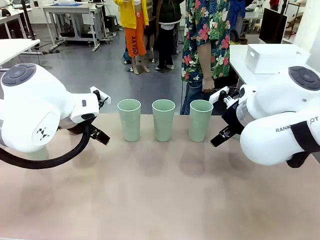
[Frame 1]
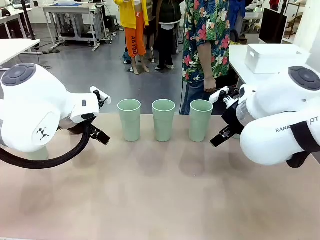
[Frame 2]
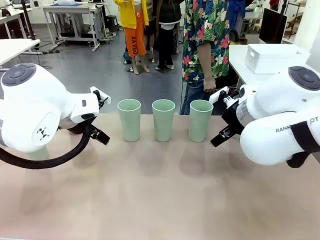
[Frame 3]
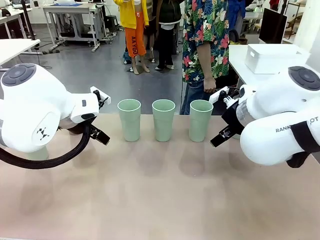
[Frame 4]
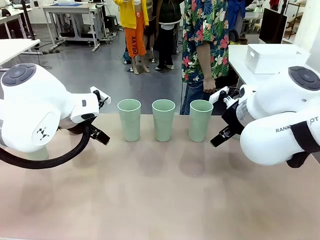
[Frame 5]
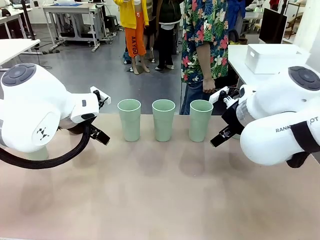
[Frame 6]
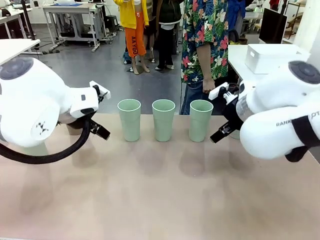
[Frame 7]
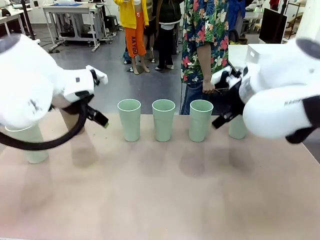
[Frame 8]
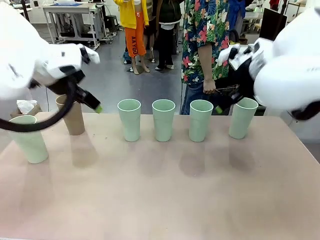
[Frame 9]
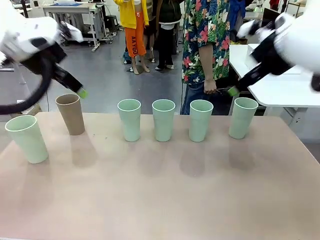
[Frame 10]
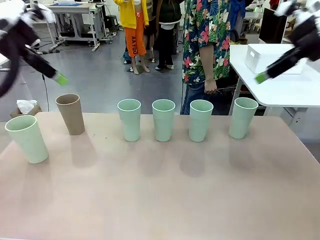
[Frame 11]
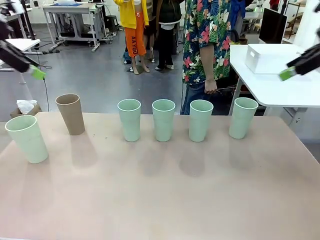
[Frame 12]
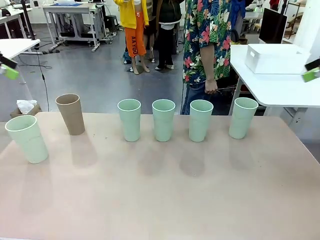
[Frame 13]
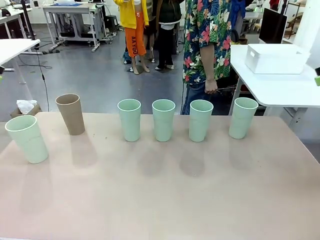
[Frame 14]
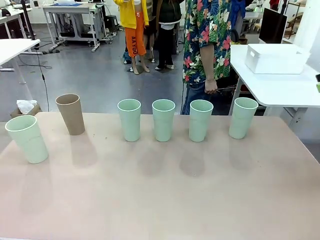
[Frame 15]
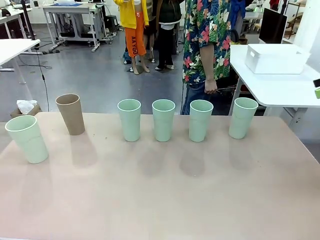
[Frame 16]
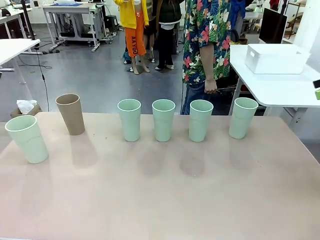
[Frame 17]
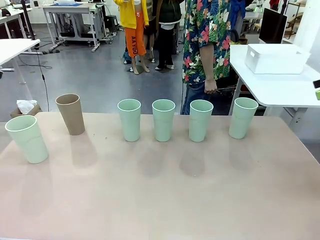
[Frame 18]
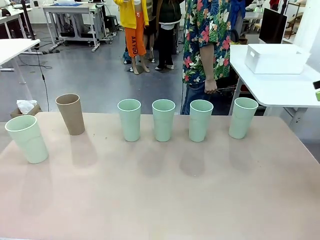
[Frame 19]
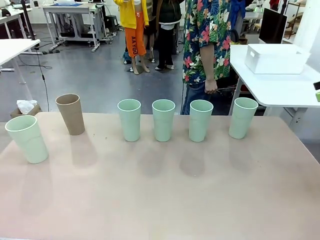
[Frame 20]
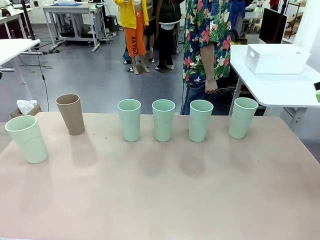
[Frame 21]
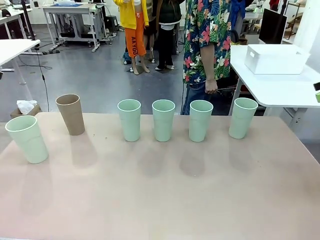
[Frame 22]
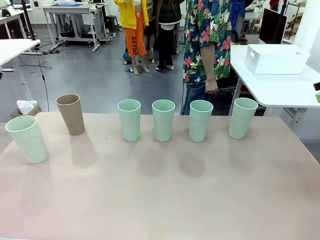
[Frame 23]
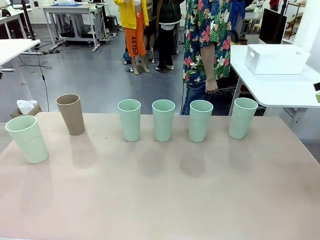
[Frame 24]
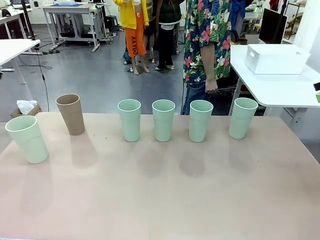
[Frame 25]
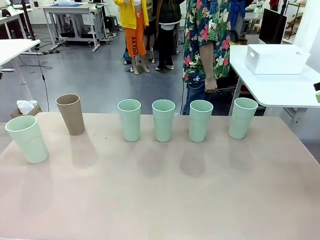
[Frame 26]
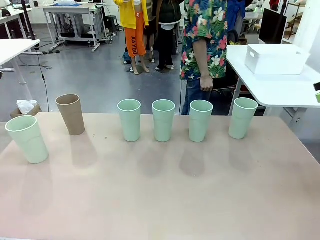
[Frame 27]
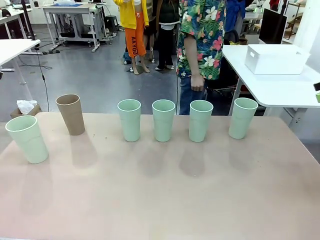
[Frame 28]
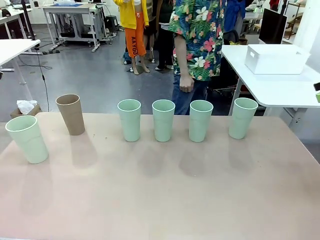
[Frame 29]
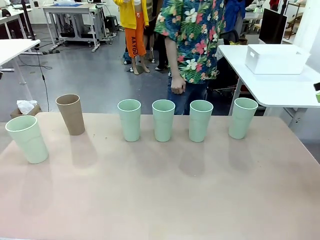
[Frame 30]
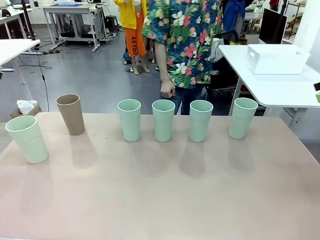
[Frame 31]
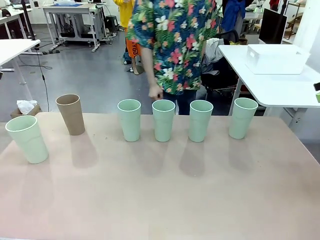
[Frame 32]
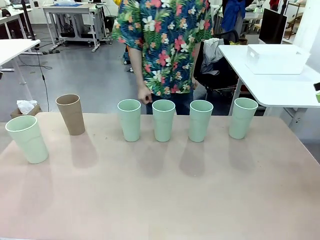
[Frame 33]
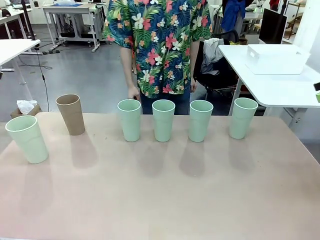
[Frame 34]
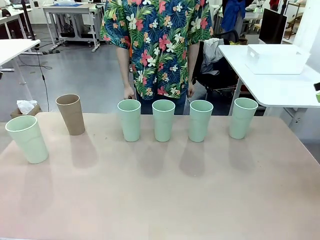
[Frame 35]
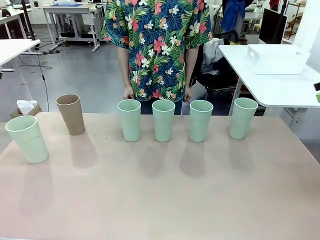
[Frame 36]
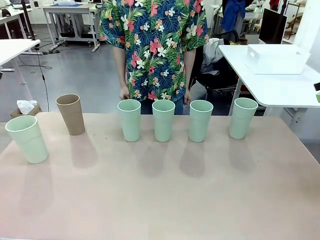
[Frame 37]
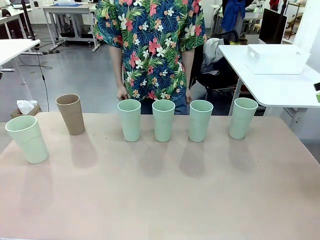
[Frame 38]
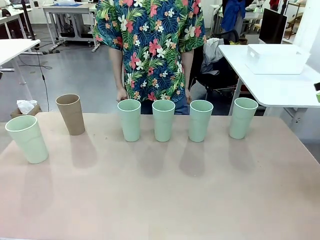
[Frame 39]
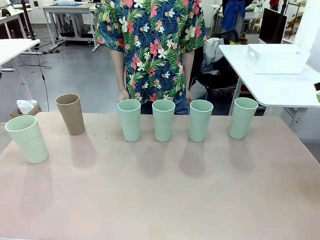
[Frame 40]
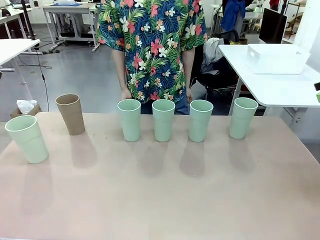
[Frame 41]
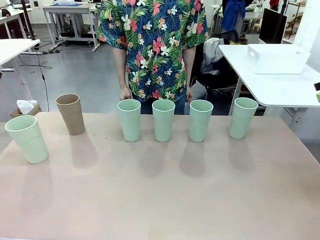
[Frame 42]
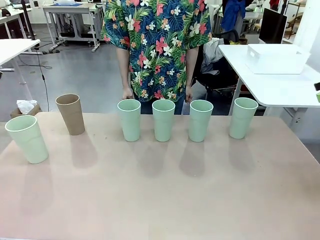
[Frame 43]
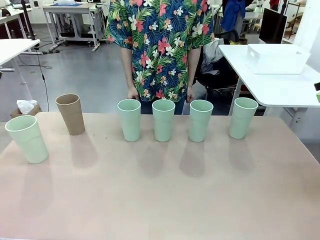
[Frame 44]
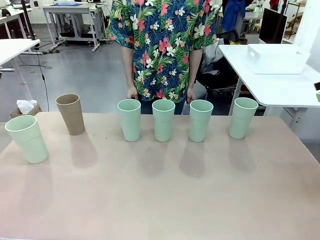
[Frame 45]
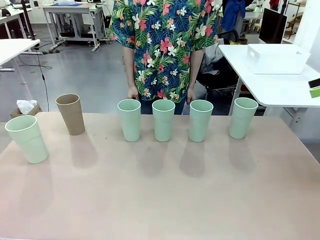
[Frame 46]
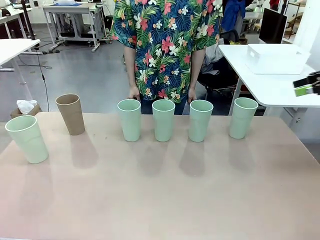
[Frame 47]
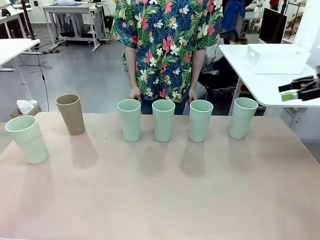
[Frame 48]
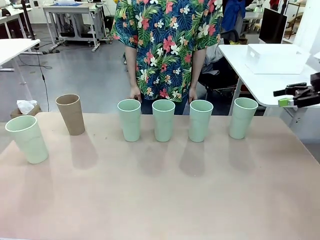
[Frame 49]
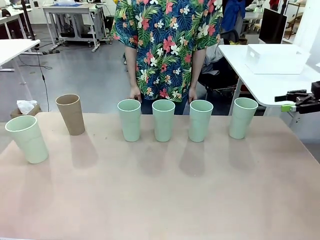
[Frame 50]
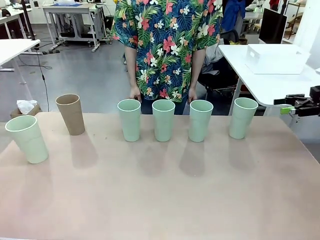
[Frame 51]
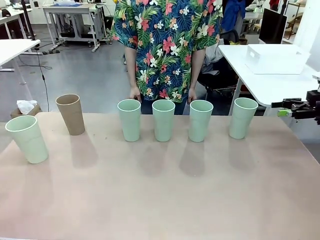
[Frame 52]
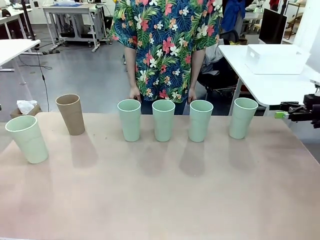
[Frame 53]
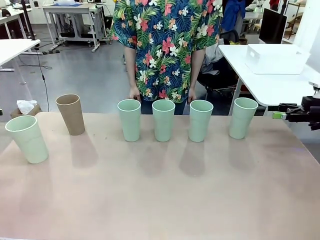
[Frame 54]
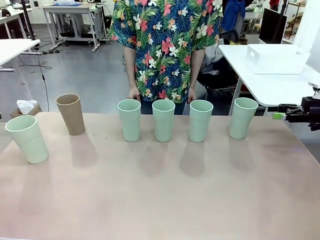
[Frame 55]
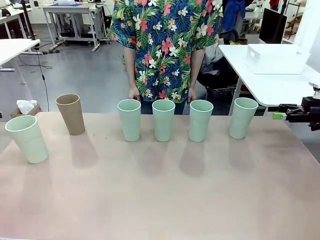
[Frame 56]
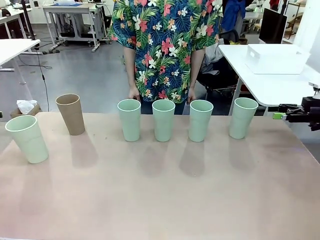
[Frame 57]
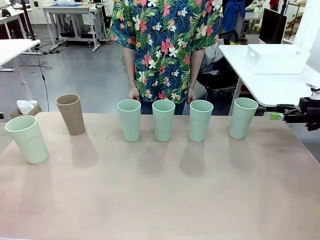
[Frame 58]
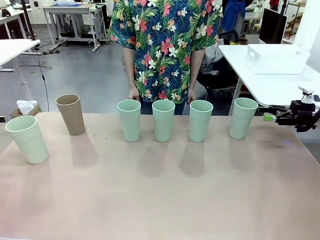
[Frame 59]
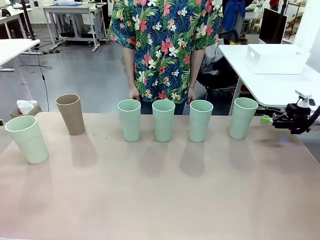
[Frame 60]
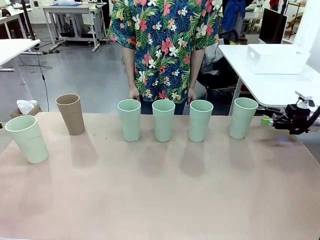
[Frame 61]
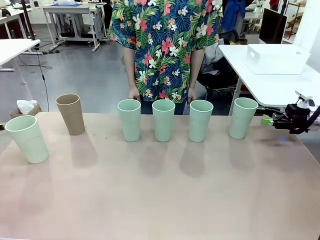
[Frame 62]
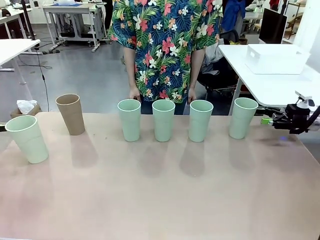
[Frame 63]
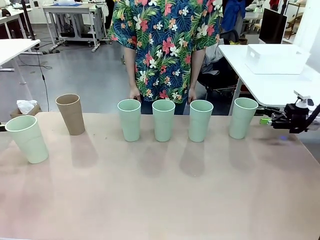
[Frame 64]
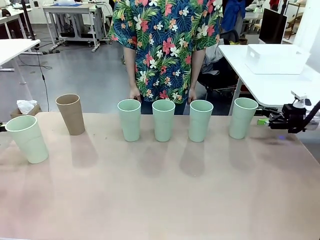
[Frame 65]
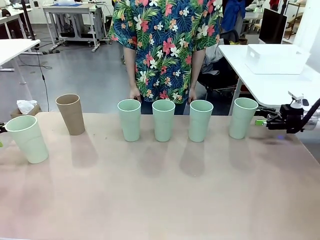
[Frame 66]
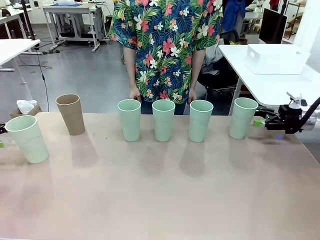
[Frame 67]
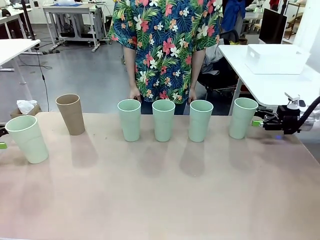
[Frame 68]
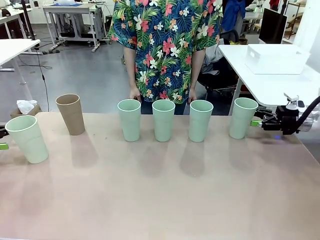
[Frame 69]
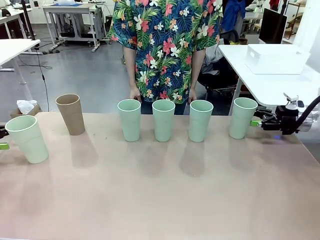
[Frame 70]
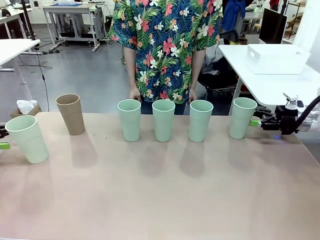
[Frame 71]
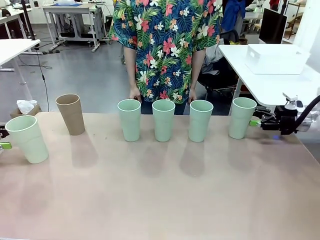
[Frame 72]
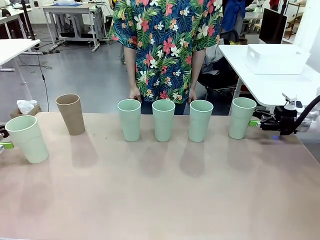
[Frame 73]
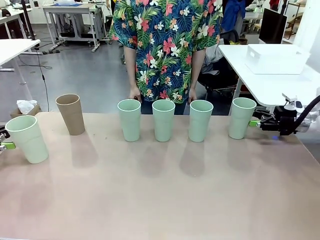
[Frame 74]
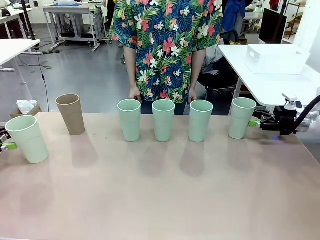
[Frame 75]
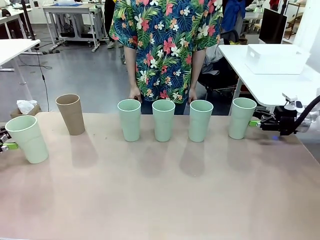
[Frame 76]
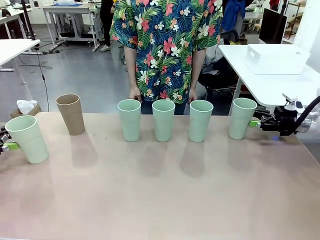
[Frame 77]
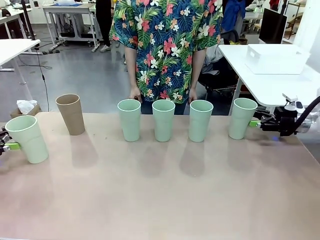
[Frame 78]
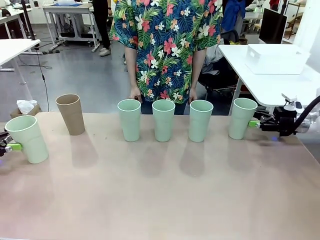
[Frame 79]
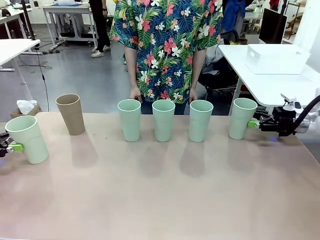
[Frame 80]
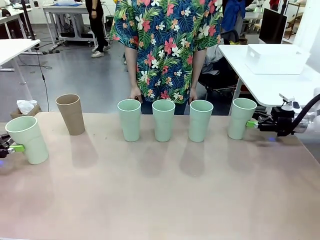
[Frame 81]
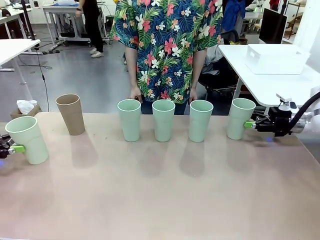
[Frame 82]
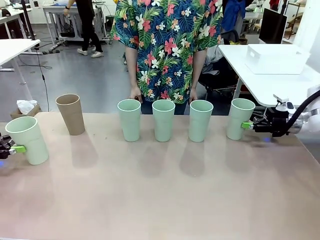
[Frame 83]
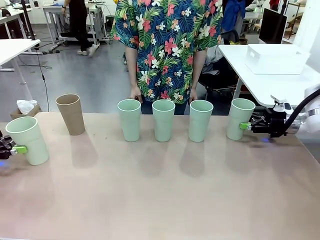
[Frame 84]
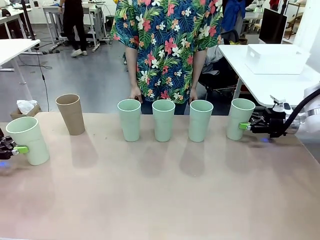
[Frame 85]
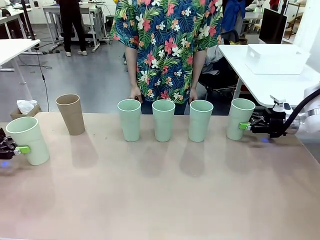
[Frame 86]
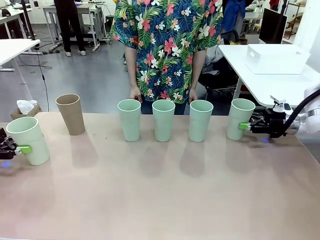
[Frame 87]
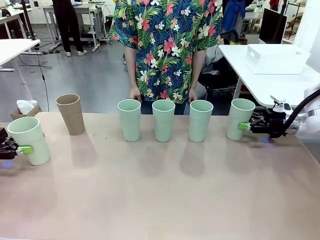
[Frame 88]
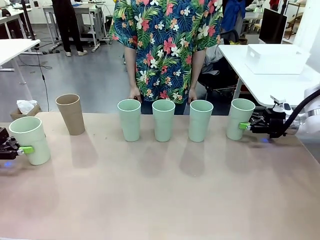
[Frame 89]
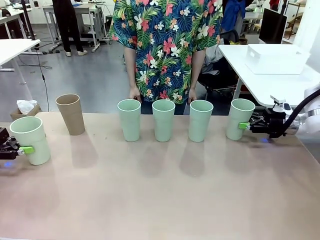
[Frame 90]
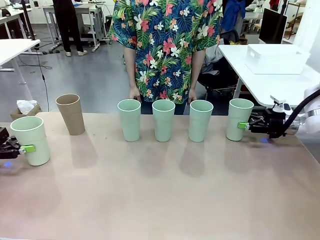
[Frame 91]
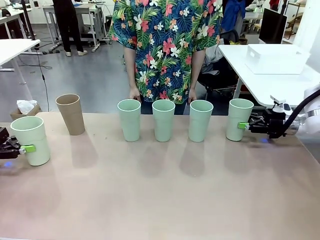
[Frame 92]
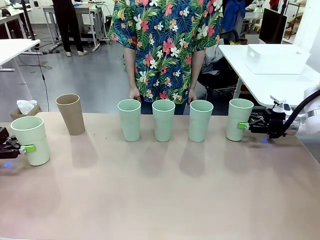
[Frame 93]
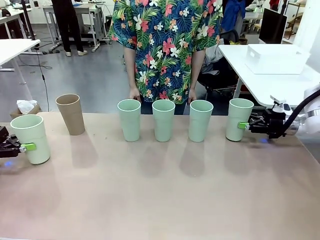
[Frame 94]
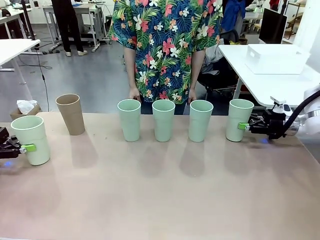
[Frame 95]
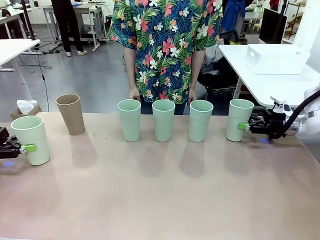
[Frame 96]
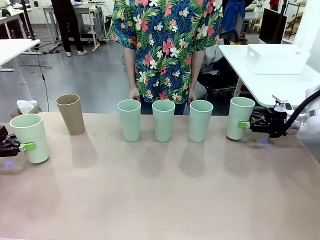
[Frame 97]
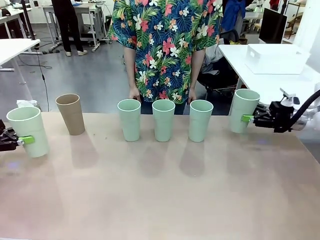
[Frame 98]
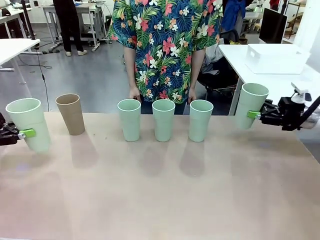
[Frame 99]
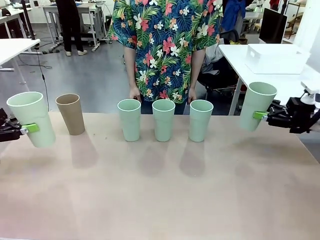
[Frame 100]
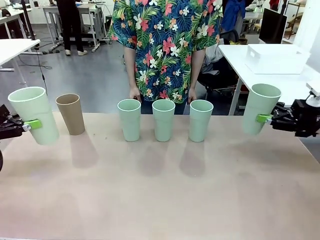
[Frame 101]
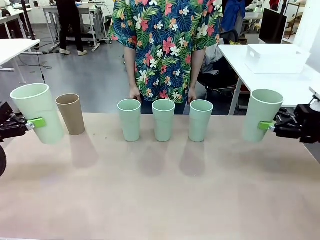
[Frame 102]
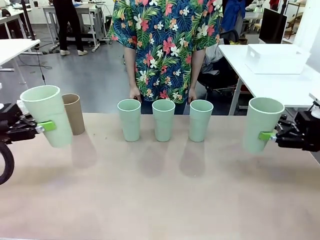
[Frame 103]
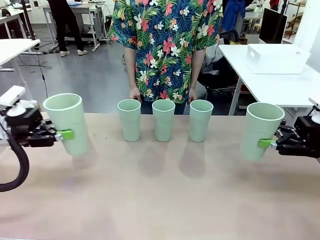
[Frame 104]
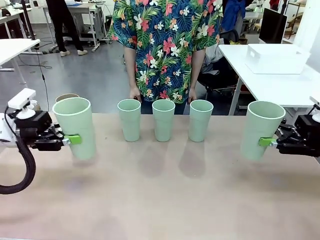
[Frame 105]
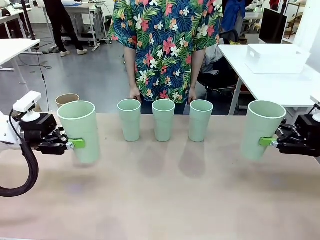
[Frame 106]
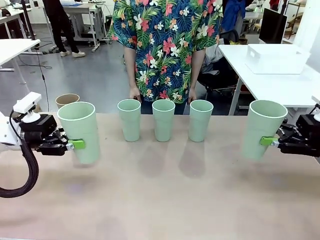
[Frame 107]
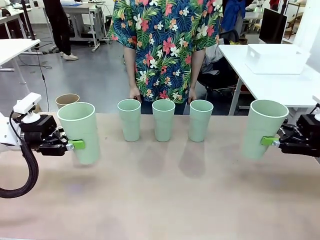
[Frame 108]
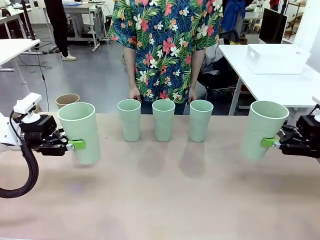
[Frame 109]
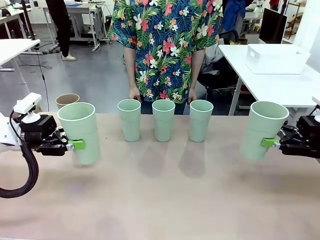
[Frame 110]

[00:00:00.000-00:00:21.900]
Task: Stack the cups and store them in the basket.
Robot: Pick up two Reusable plastic cups , one in each hand.
Person: Move from the Human Table to the front of the Robot Table. Stack two of the remaining cups on top of each cup held by the robot.
